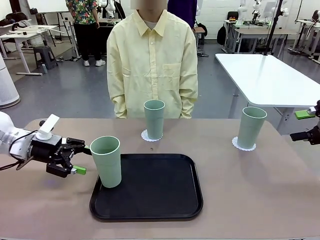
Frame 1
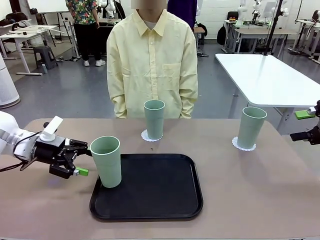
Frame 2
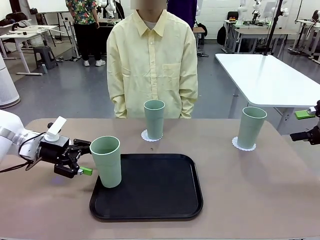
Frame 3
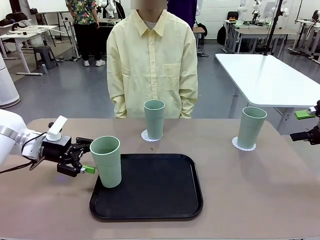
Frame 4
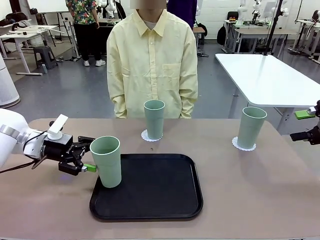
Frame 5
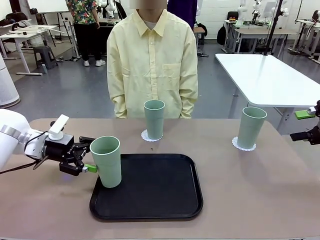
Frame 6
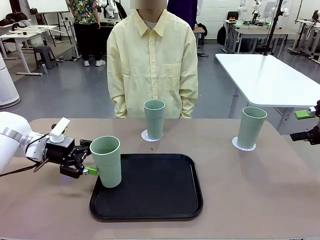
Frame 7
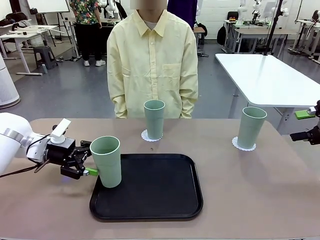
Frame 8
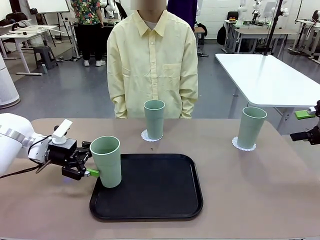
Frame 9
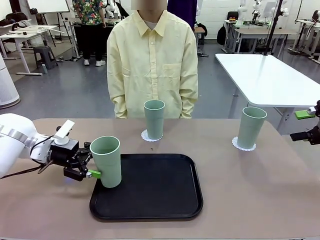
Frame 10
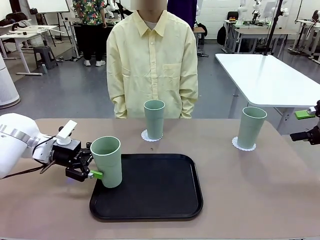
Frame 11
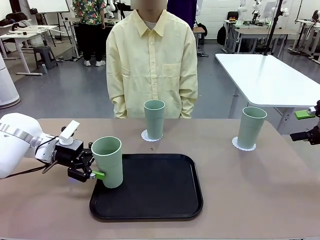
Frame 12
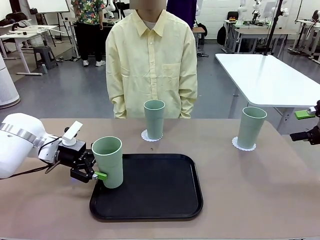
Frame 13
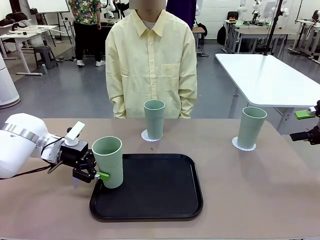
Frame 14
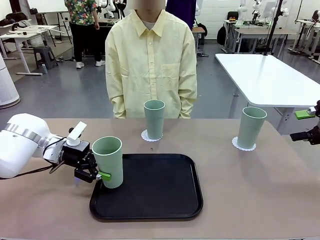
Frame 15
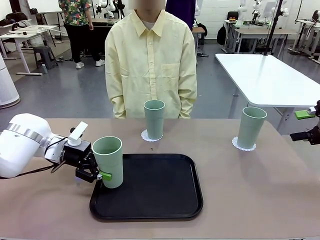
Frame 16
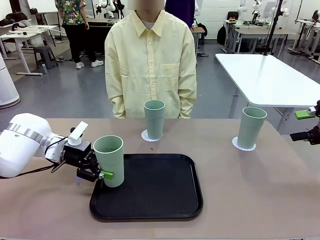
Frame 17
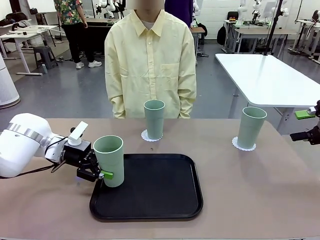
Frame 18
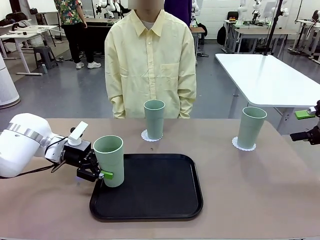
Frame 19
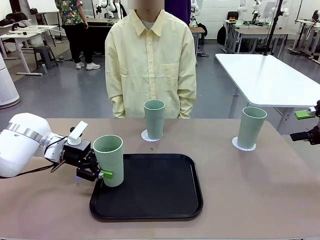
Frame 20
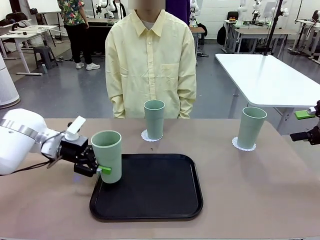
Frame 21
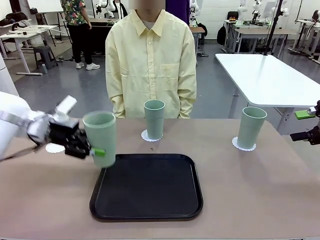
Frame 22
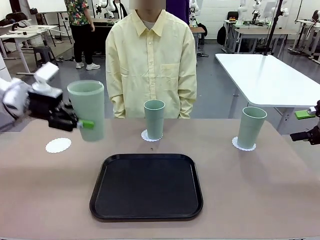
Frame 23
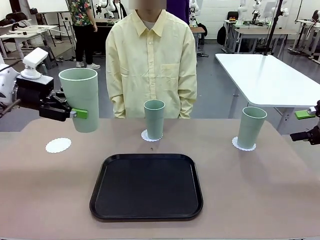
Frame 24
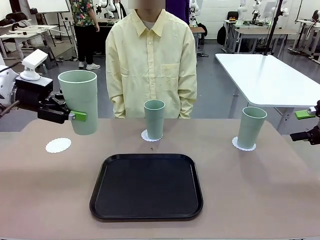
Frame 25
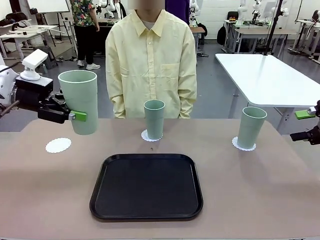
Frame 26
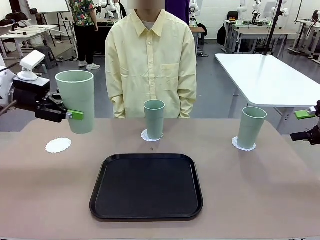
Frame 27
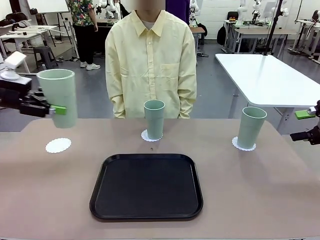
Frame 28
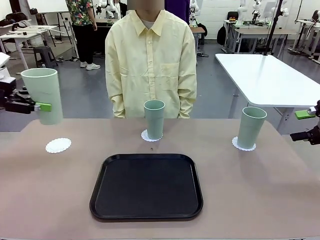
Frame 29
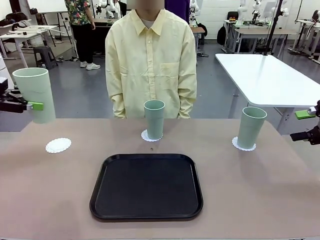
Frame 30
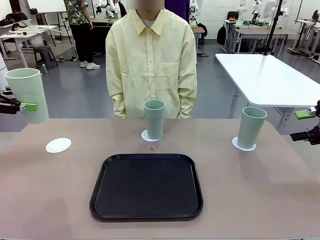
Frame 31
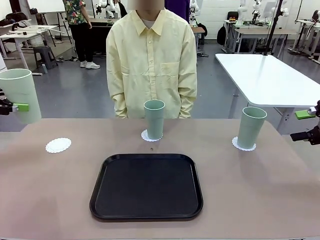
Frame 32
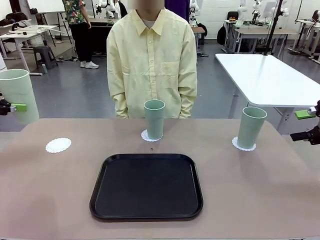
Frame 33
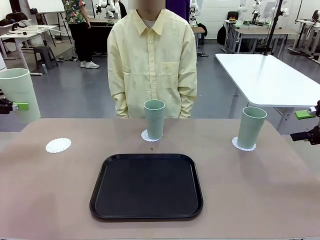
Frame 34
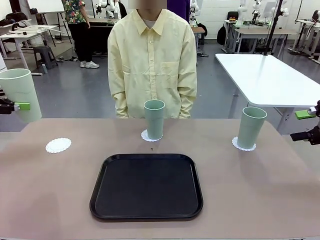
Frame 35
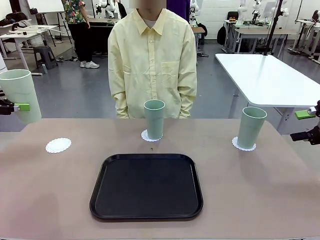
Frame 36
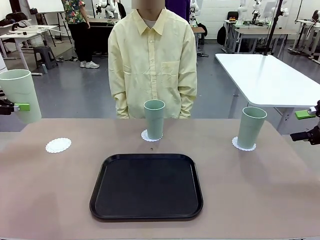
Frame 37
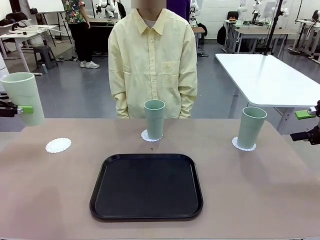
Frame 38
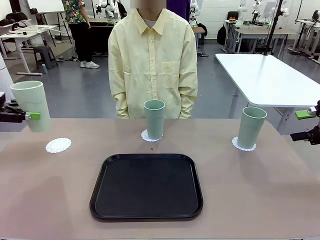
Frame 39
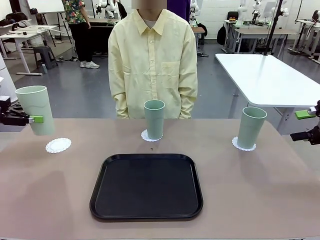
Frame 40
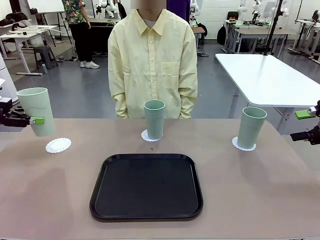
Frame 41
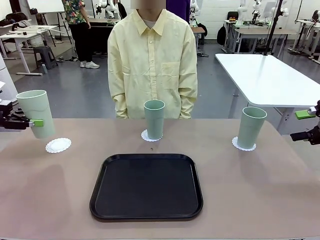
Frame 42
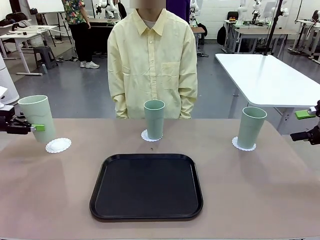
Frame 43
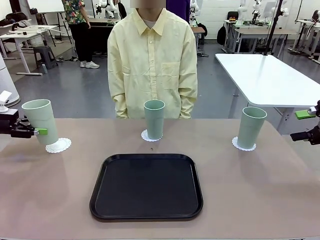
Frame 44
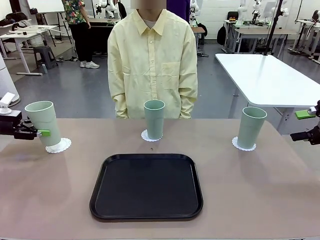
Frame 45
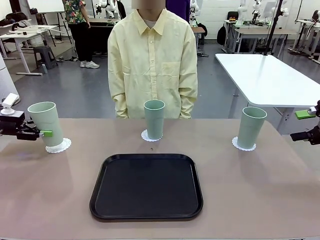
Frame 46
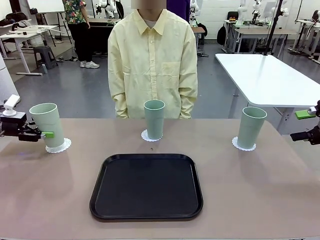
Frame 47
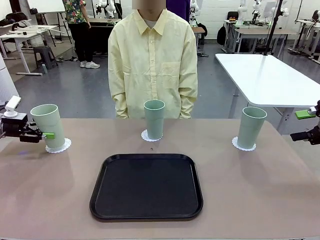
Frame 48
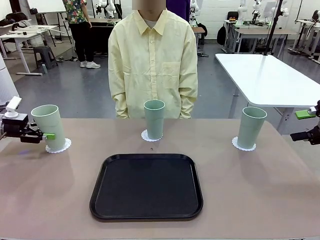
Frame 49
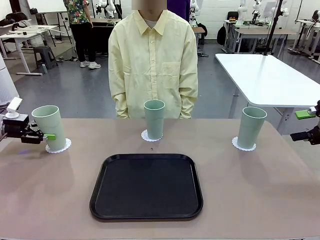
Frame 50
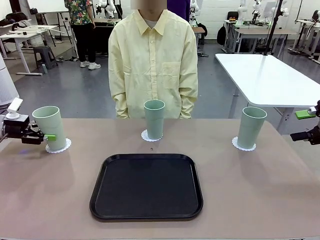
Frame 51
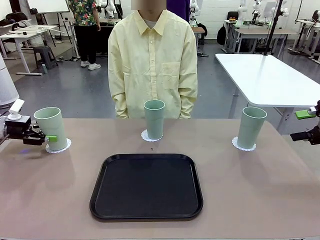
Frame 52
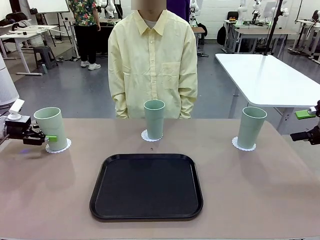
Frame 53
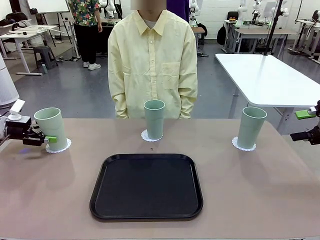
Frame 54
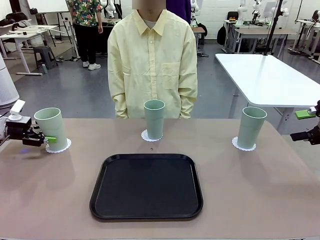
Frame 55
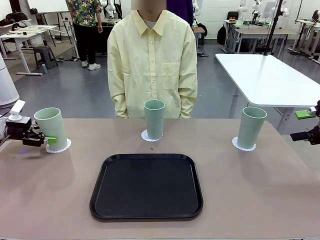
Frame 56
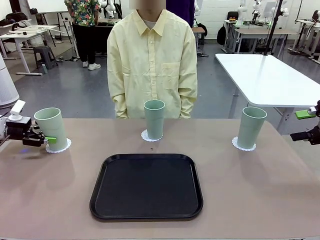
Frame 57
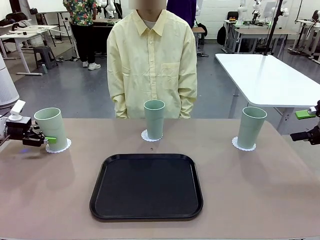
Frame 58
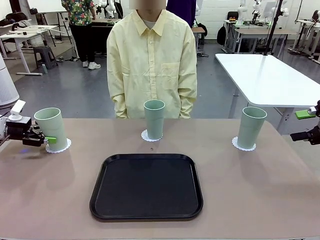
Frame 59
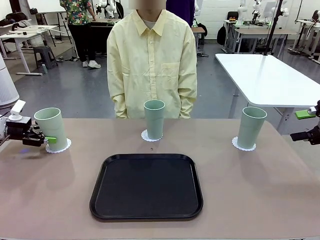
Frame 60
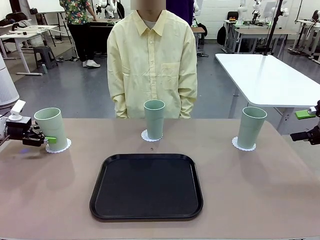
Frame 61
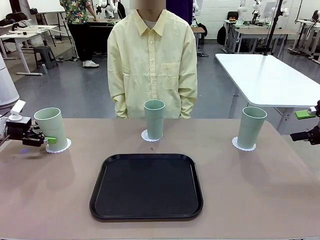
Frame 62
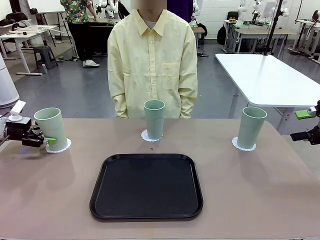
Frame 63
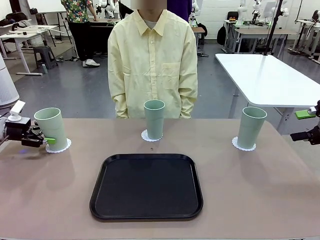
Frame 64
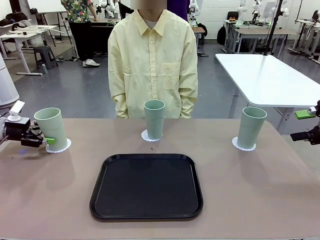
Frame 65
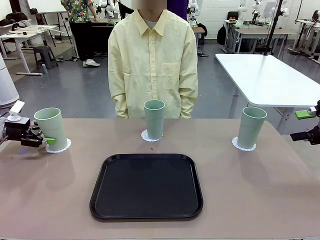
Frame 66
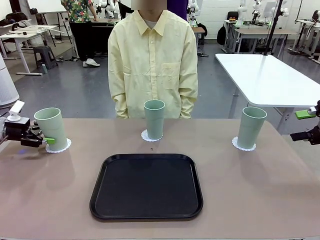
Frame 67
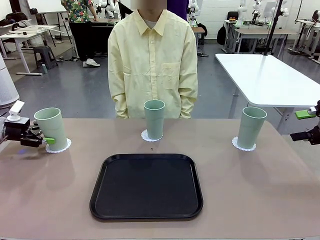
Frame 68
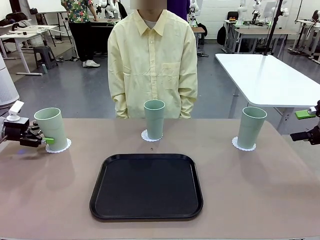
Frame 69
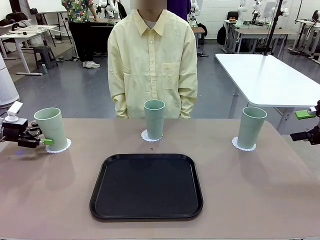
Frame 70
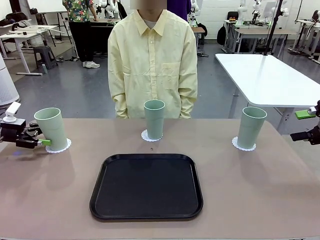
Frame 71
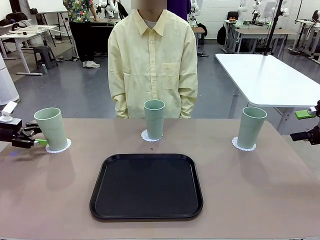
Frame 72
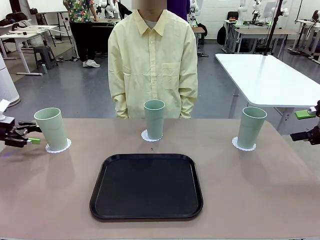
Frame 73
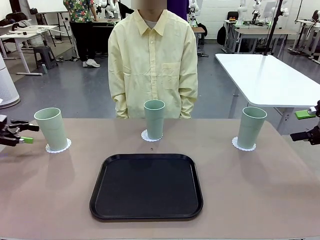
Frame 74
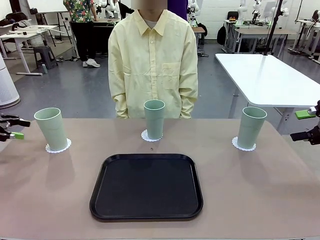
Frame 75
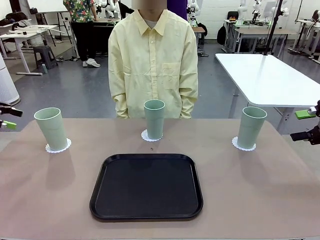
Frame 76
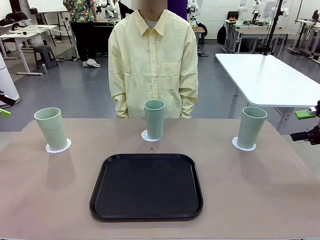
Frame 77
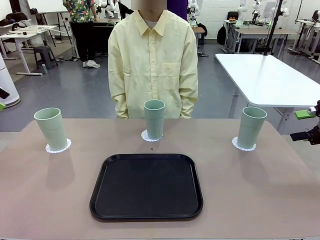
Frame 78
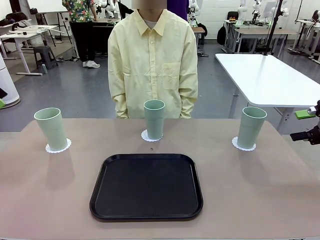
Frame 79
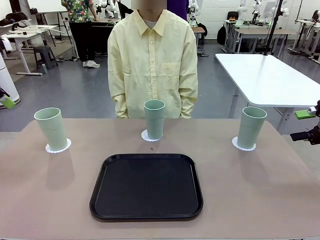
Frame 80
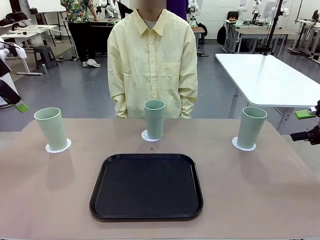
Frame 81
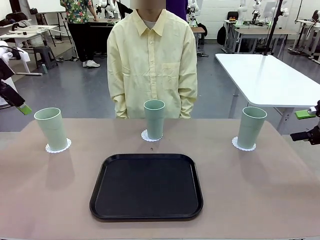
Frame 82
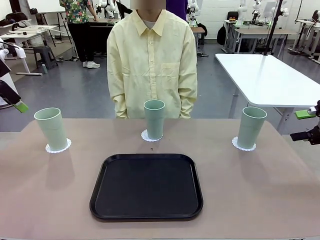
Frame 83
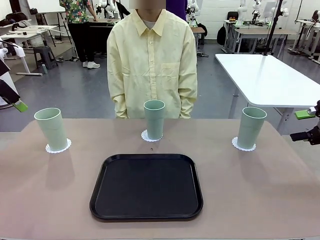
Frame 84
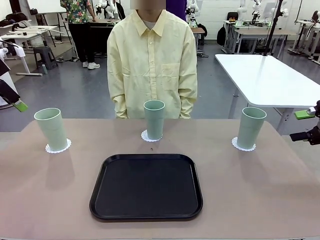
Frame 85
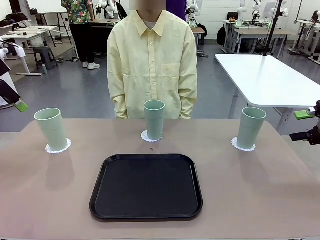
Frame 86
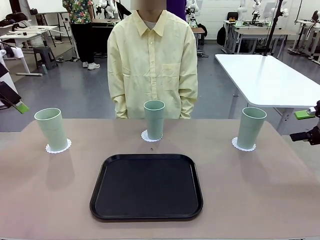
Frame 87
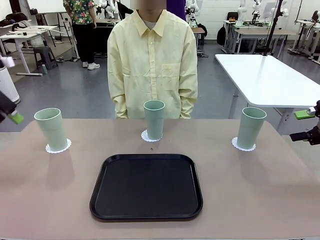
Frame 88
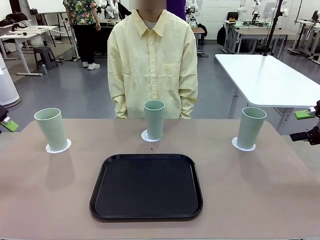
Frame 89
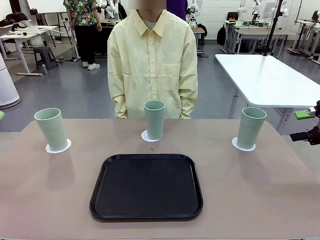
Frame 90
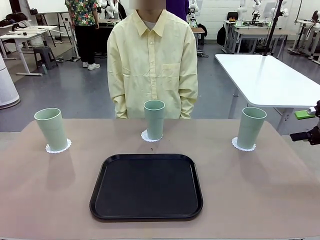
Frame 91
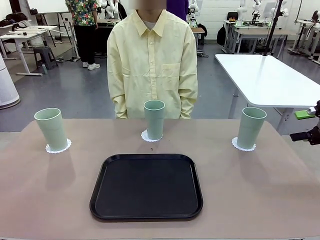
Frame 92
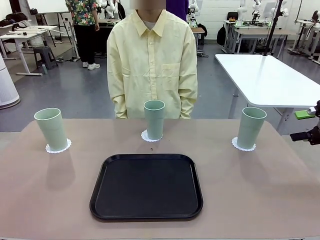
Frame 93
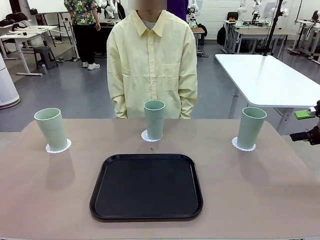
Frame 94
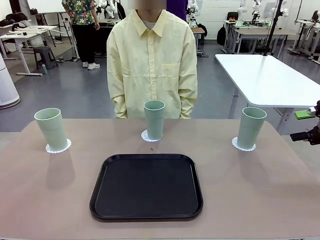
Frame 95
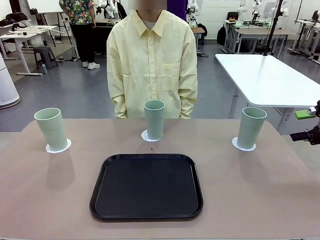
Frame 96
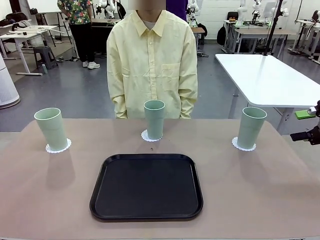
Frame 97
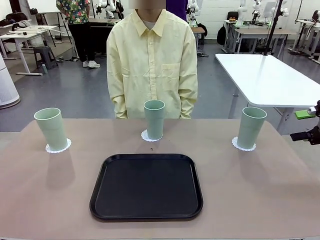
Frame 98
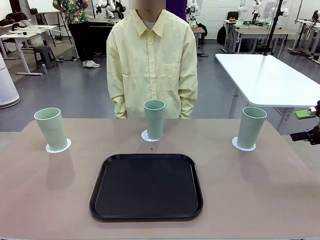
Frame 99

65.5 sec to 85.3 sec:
Task: Place coasters on the table and set cups on them.
Robot: Take one Reusable plastic cup from the Flat Tray and place it on a coaster set by the human.
